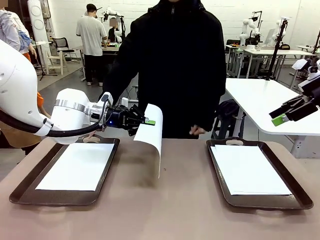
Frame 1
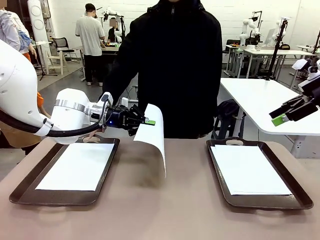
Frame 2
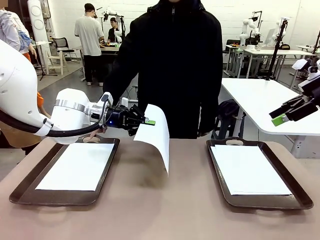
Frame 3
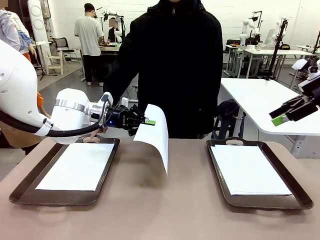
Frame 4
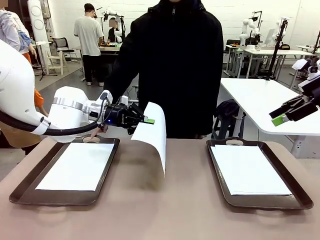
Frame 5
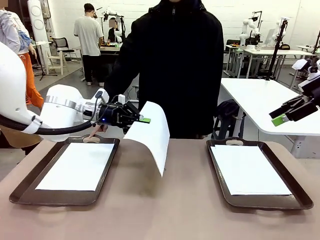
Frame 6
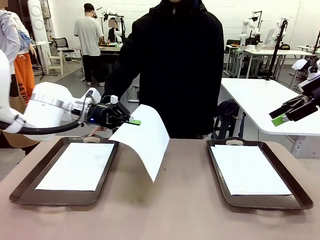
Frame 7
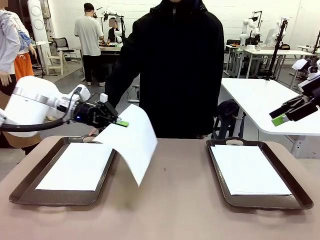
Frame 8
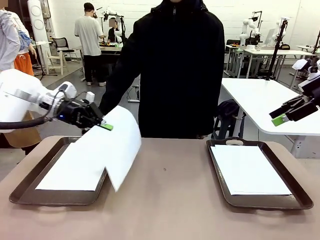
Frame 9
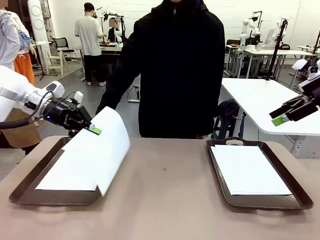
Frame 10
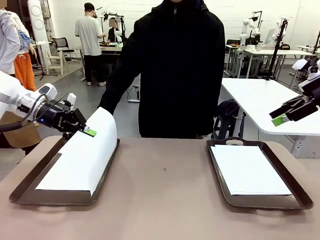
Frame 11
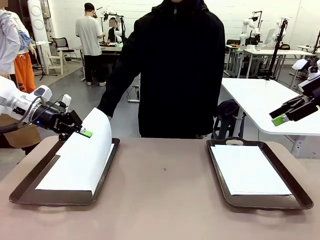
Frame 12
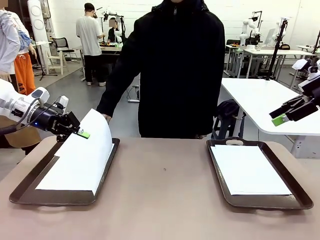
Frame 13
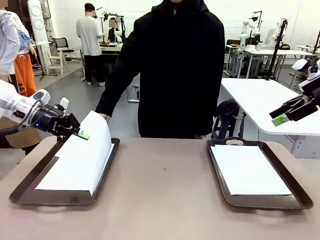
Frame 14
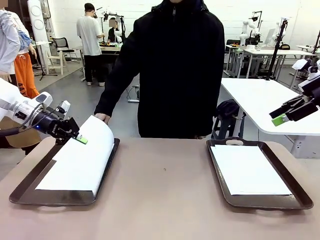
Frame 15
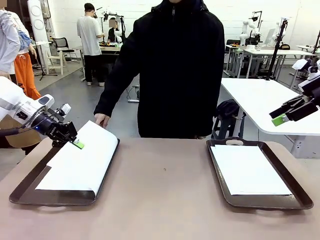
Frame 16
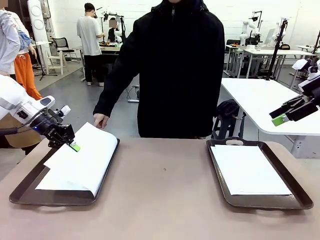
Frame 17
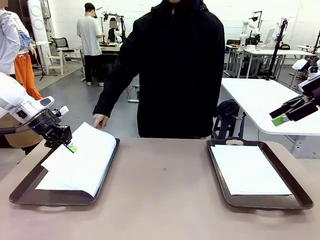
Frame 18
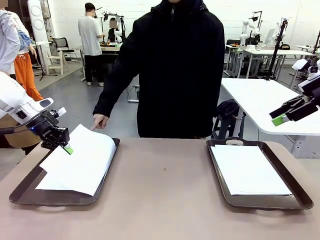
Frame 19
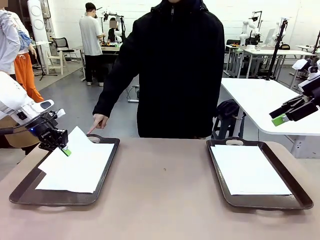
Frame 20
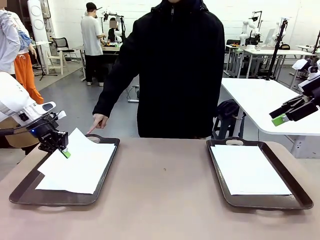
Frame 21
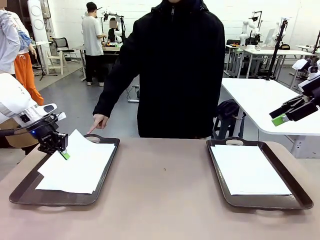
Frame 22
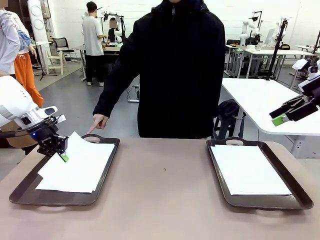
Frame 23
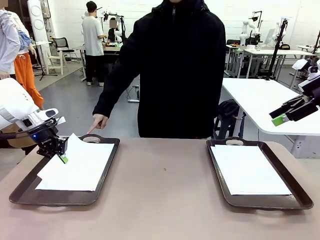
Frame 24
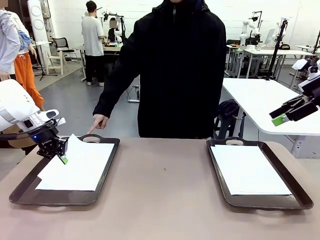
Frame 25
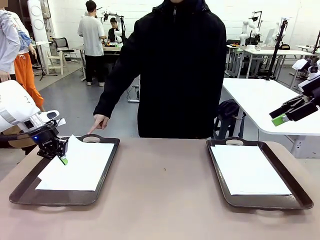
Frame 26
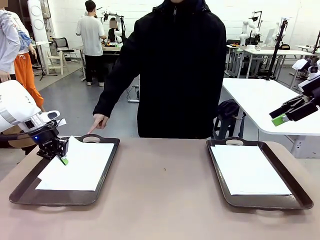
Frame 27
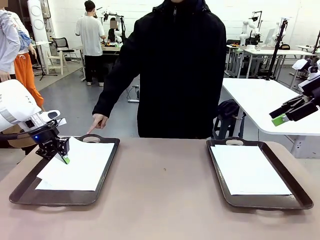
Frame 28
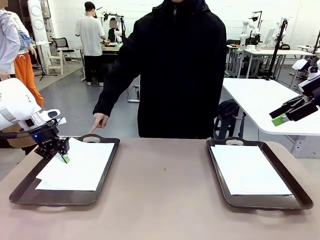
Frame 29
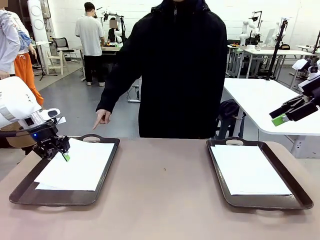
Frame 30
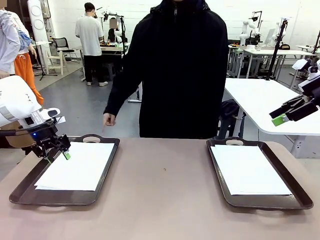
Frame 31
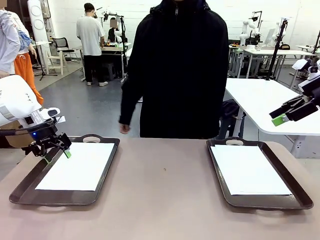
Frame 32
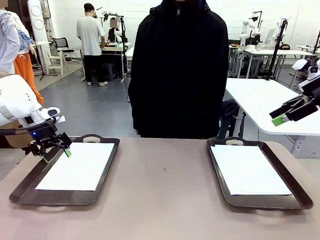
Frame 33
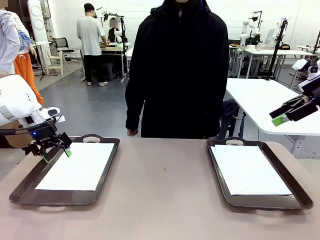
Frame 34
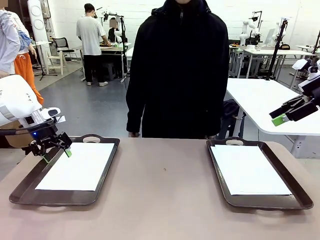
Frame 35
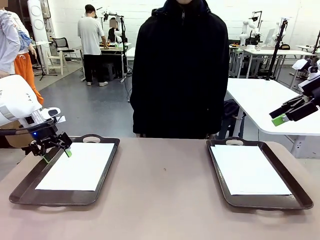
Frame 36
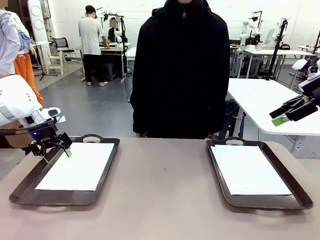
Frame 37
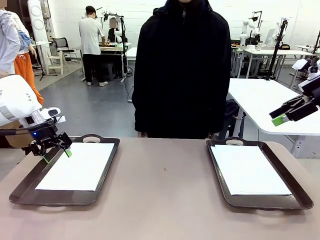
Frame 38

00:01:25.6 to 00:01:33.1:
Task: Sort the A4 documents.
Robot: Place the A4 Paper in the designated Handle tray.

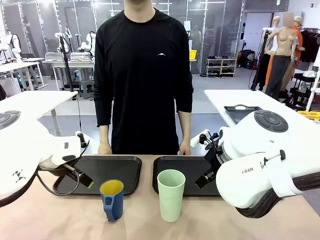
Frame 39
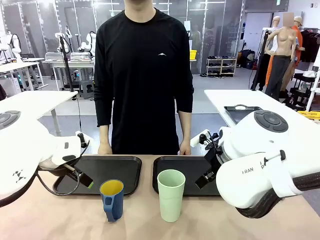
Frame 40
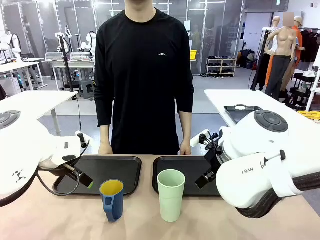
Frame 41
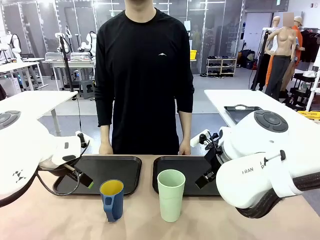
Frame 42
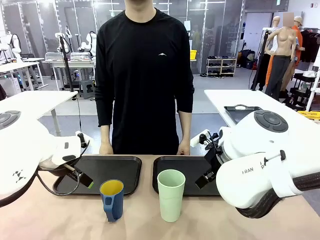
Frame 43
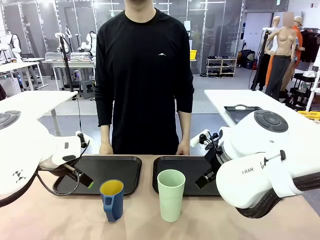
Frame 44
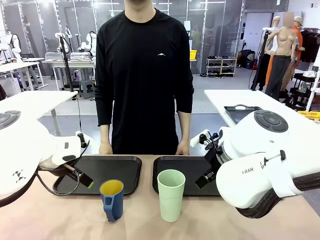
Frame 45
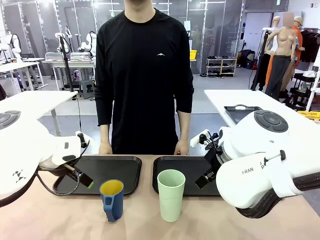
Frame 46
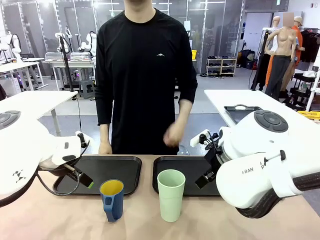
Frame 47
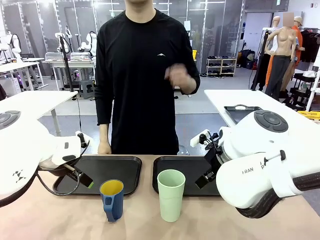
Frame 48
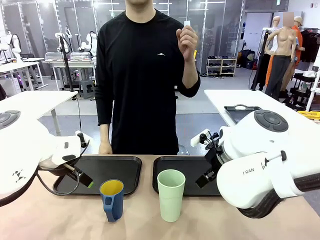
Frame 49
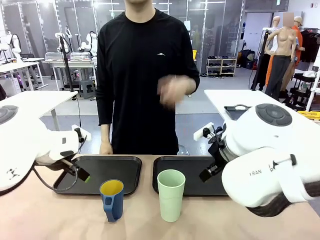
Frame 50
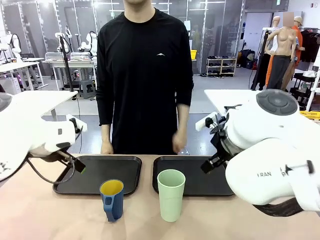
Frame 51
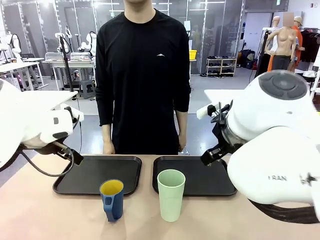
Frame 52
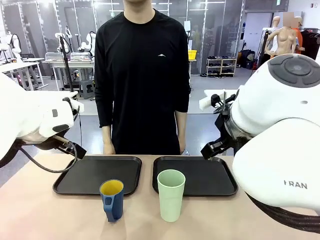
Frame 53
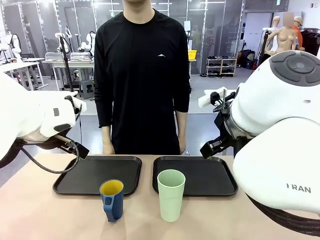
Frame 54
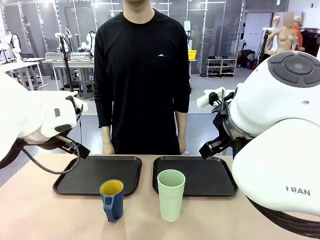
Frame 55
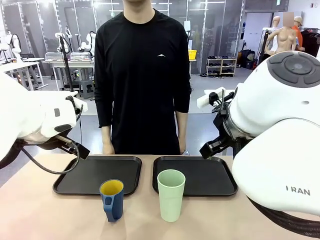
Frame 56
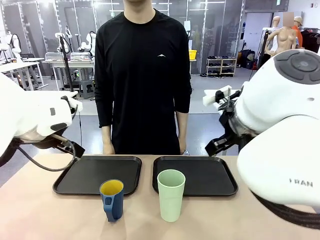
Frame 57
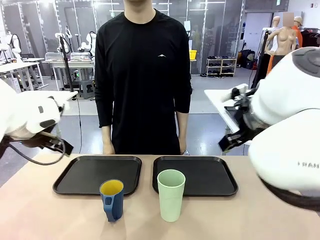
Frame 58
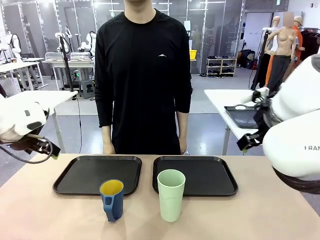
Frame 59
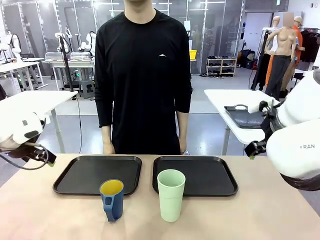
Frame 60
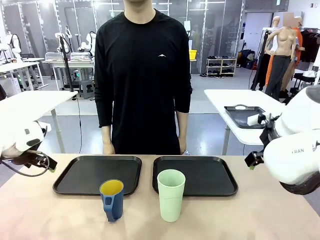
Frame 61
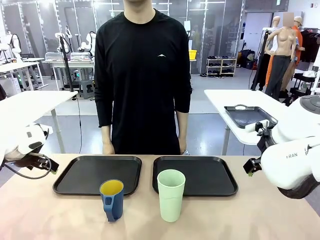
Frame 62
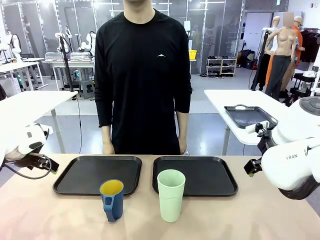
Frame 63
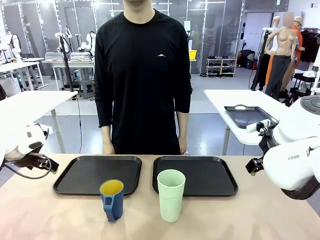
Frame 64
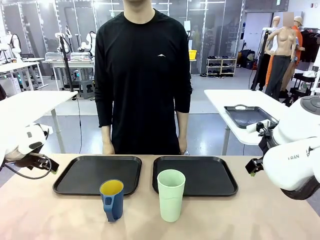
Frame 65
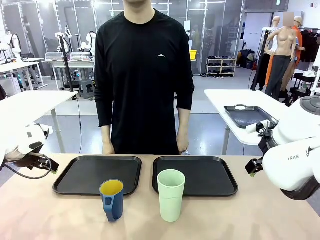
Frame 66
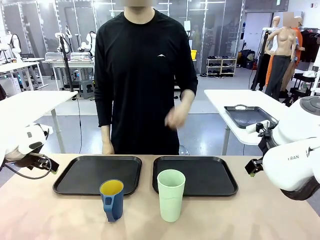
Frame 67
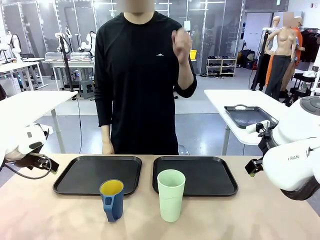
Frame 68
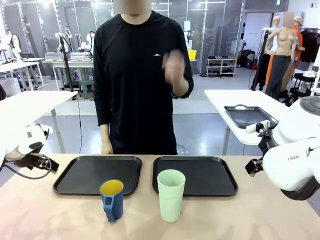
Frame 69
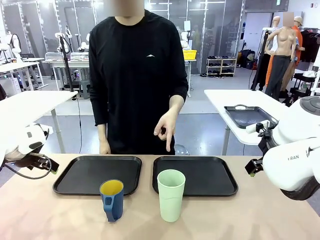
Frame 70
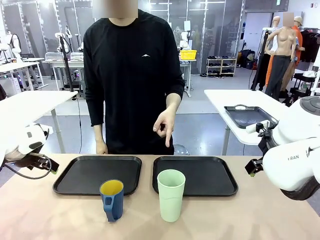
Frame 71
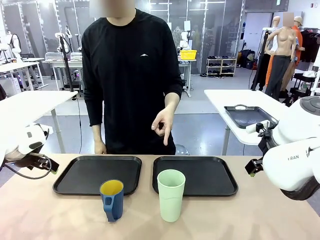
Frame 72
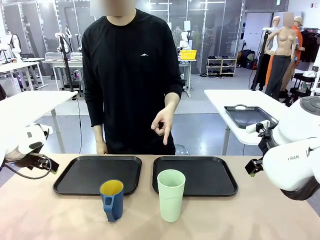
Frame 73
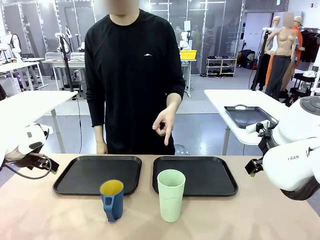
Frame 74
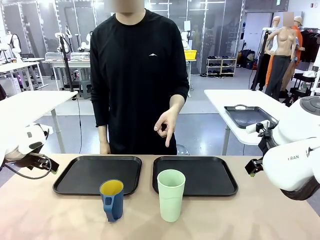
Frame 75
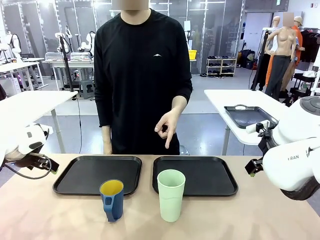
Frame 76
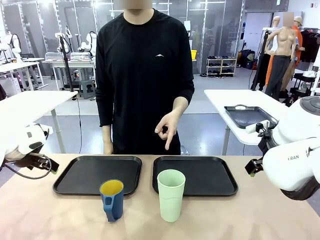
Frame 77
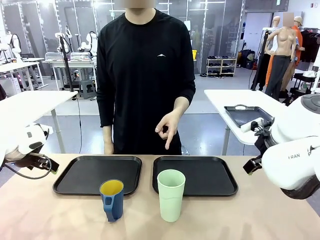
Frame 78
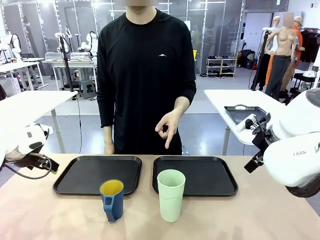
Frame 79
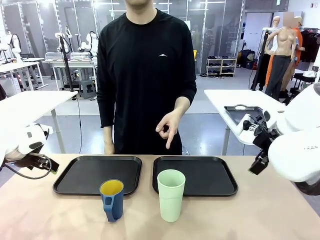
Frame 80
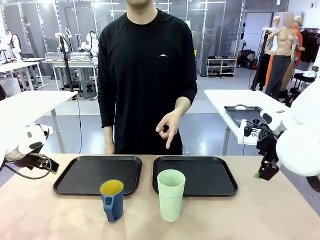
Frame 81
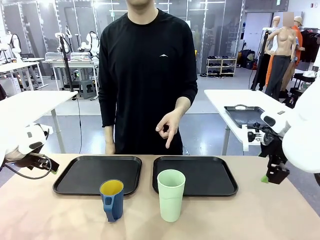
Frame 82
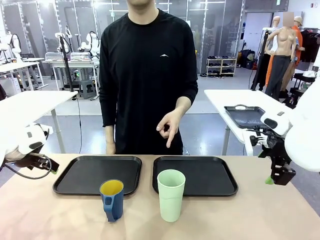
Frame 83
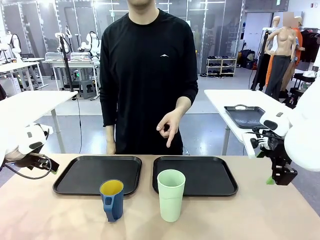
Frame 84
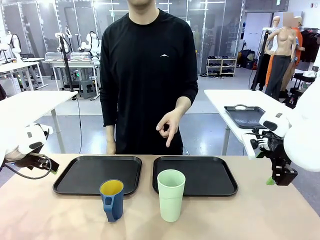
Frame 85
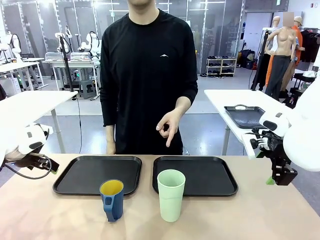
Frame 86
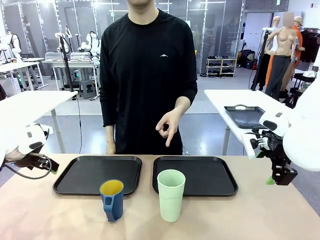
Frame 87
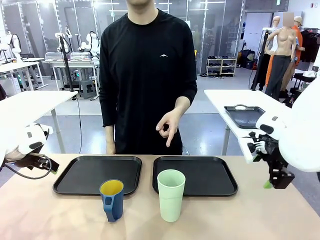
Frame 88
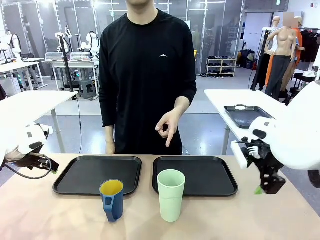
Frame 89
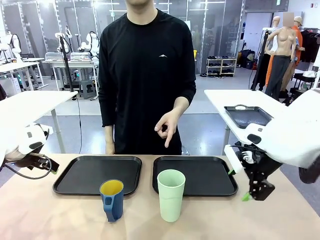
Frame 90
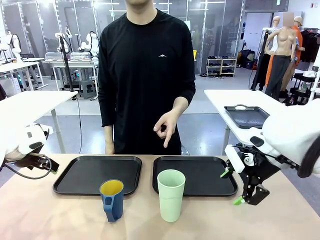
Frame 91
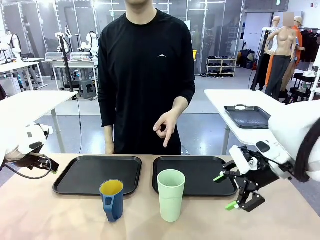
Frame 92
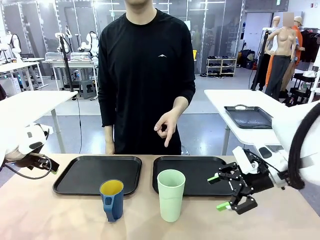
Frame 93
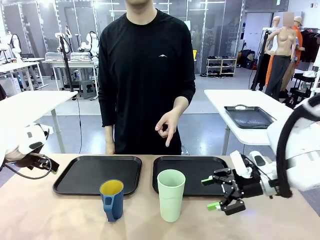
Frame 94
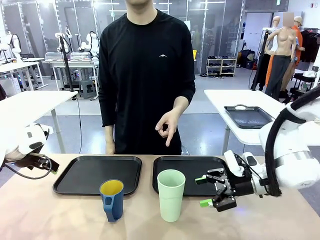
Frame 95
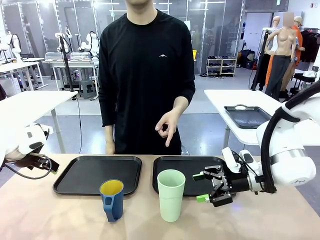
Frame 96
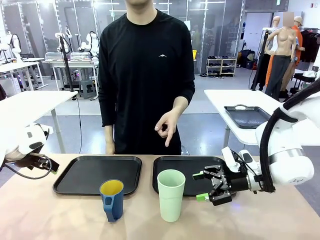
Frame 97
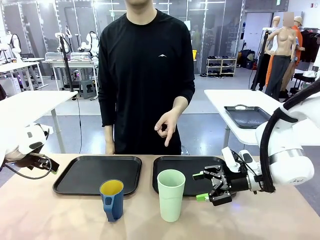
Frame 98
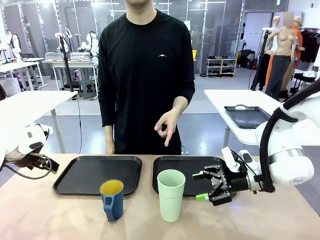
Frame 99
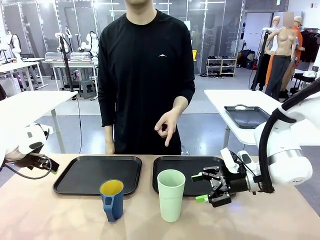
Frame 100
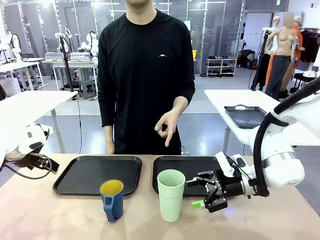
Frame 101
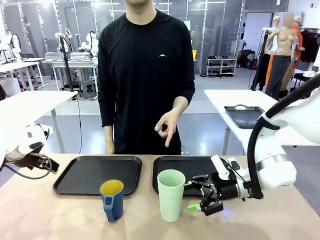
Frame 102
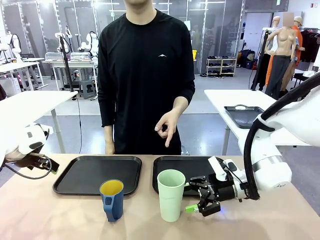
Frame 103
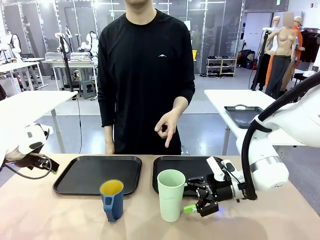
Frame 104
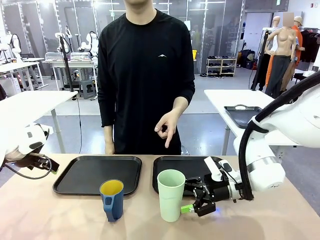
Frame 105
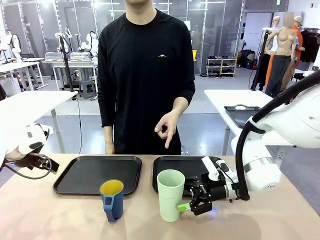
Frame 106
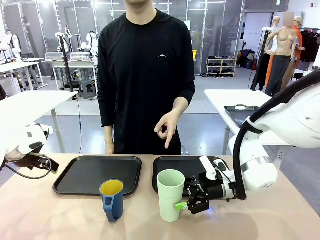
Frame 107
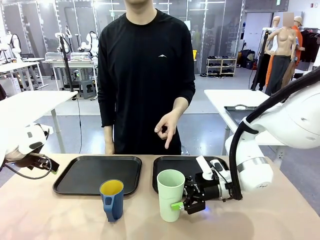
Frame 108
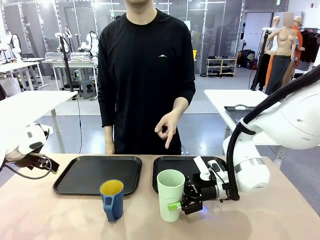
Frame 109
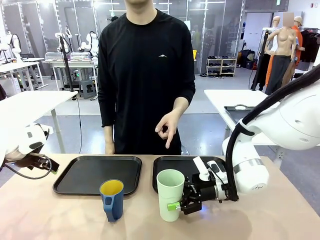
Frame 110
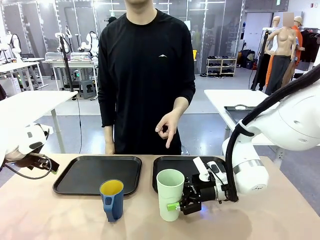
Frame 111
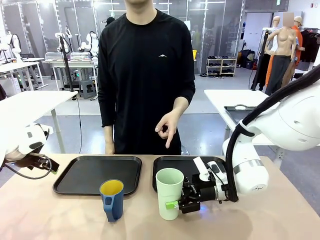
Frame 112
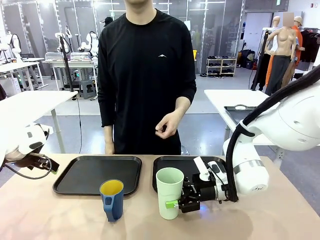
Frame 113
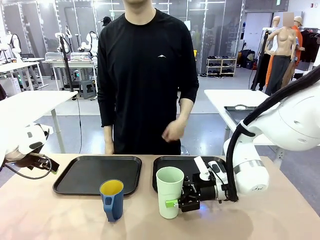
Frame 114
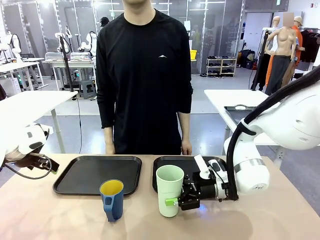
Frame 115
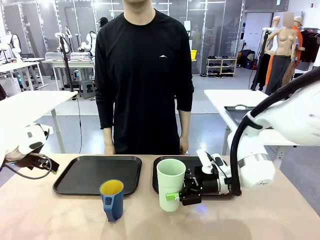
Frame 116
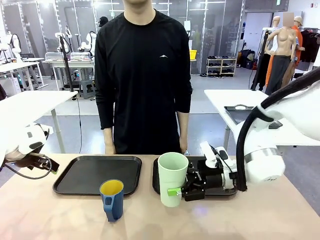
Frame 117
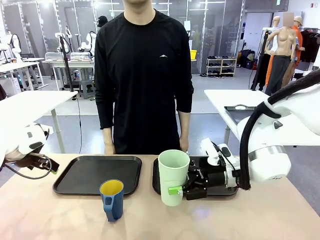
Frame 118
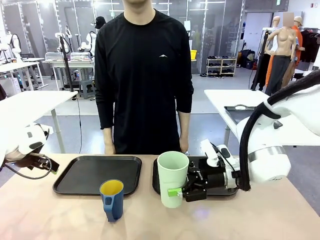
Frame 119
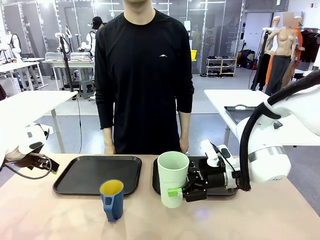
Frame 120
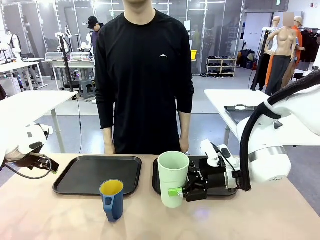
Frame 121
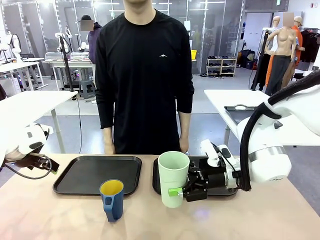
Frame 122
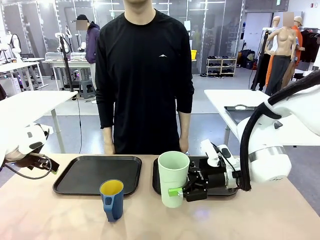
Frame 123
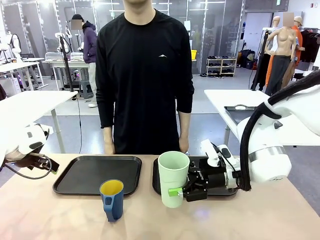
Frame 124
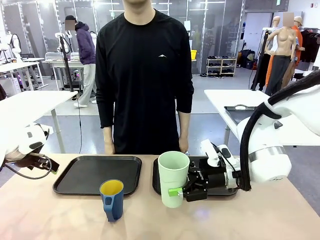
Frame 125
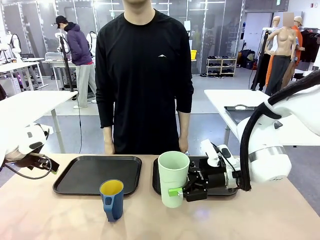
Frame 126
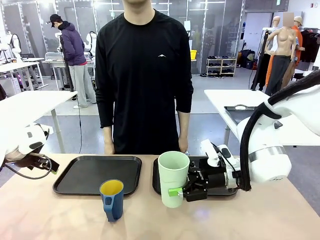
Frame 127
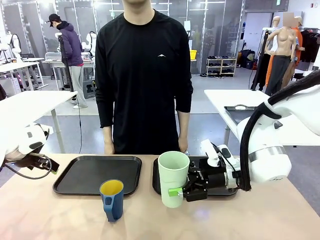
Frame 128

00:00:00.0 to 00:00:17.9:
Task: Sort and store the cups by type.
Robot: Pick up the Reusable plastic cup.
Person: Points to the reusable cup. Point to one of the two trays.
